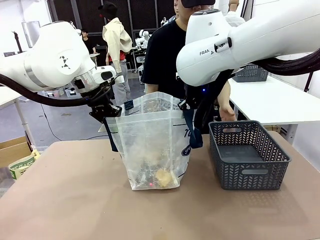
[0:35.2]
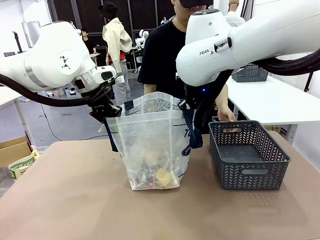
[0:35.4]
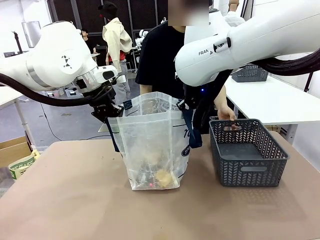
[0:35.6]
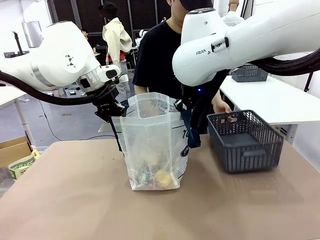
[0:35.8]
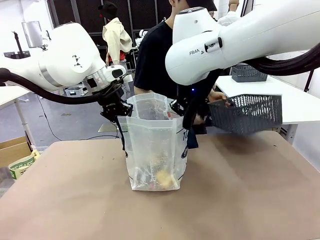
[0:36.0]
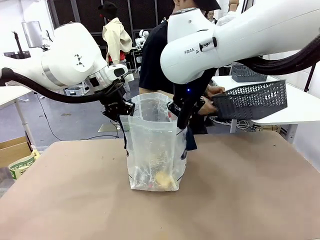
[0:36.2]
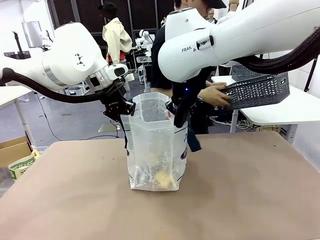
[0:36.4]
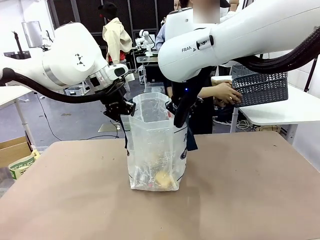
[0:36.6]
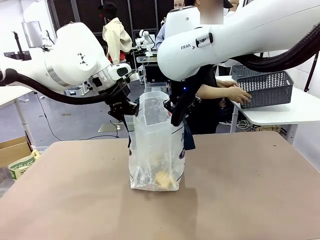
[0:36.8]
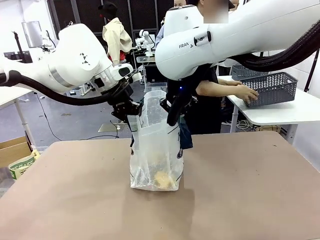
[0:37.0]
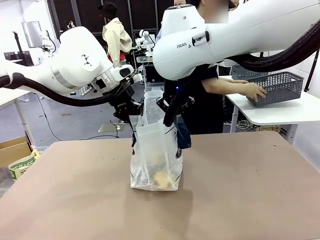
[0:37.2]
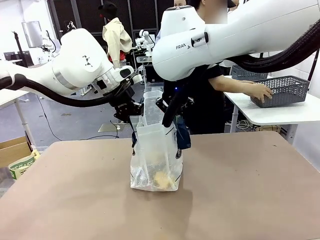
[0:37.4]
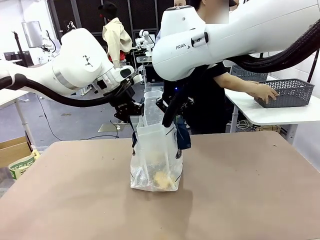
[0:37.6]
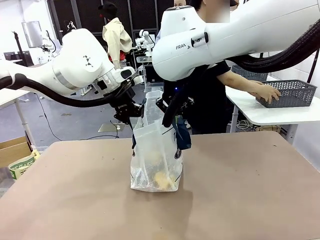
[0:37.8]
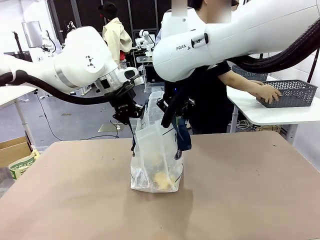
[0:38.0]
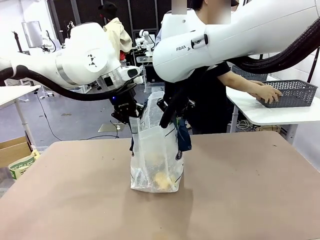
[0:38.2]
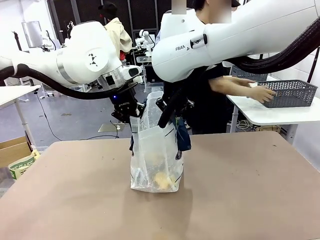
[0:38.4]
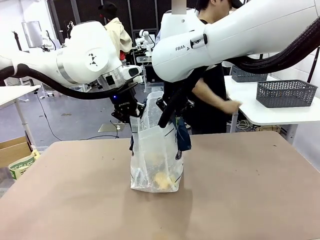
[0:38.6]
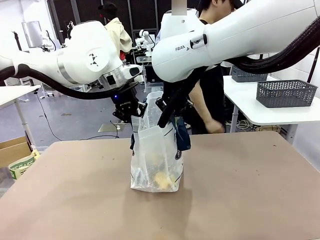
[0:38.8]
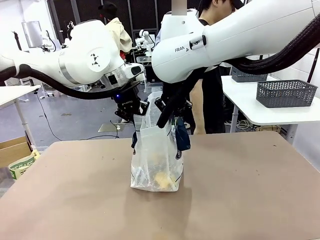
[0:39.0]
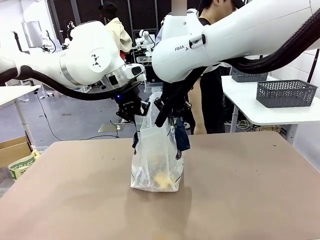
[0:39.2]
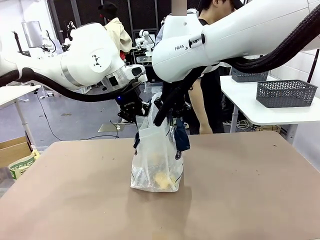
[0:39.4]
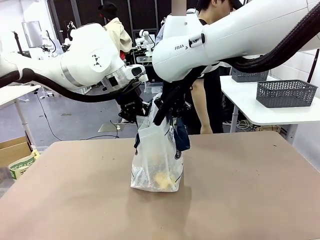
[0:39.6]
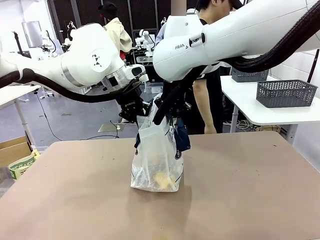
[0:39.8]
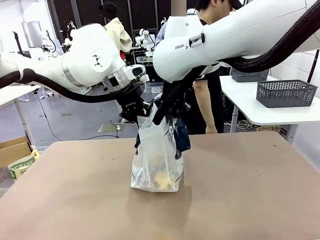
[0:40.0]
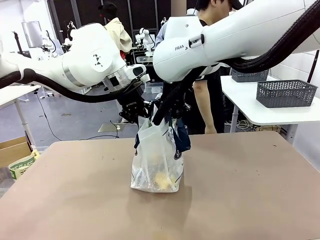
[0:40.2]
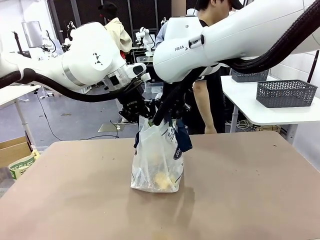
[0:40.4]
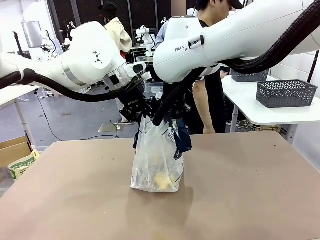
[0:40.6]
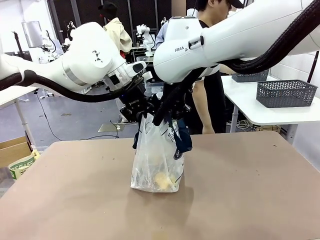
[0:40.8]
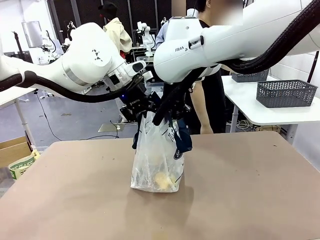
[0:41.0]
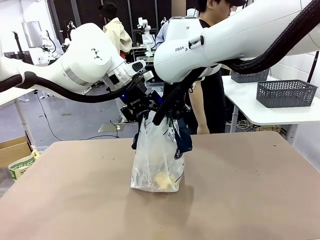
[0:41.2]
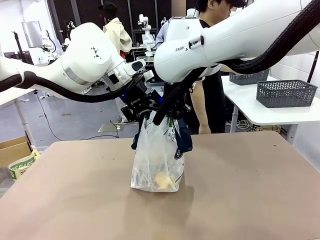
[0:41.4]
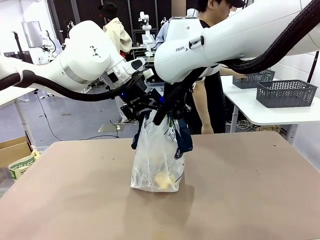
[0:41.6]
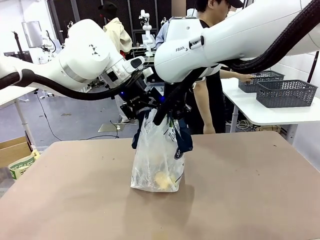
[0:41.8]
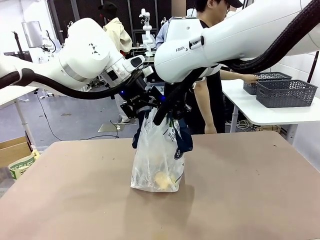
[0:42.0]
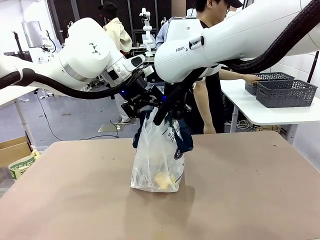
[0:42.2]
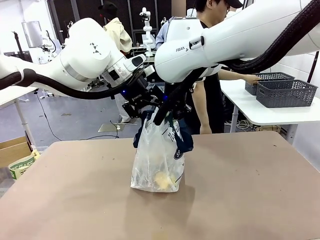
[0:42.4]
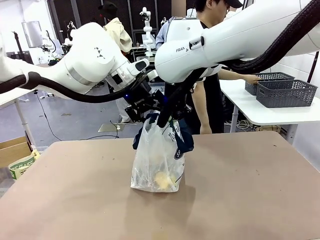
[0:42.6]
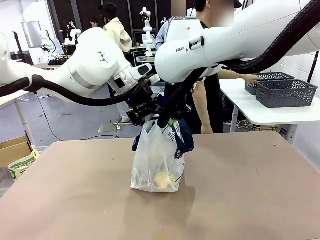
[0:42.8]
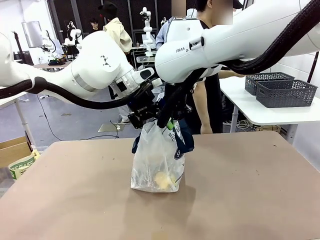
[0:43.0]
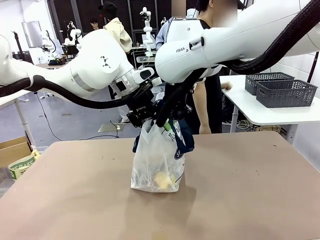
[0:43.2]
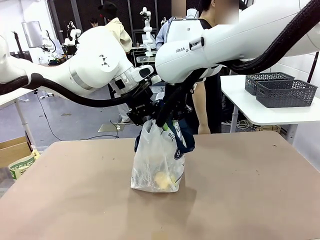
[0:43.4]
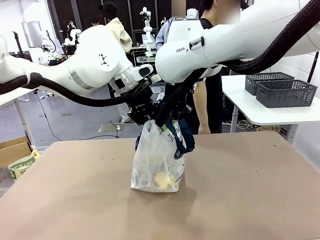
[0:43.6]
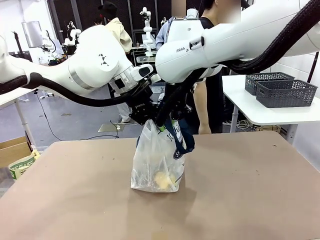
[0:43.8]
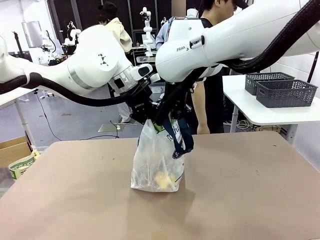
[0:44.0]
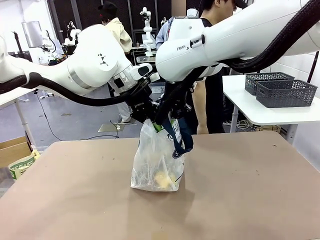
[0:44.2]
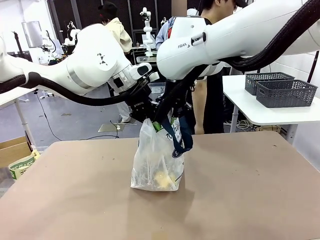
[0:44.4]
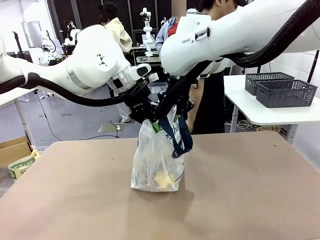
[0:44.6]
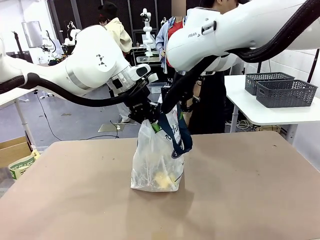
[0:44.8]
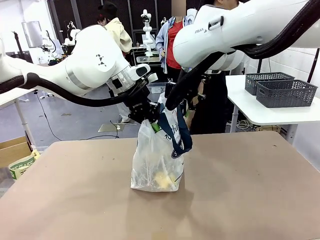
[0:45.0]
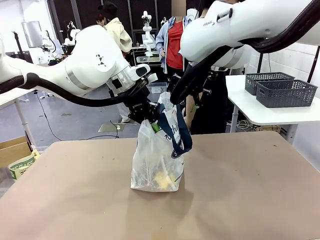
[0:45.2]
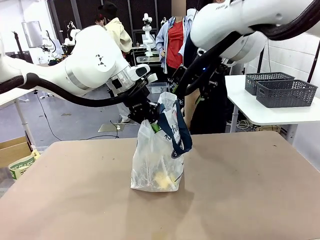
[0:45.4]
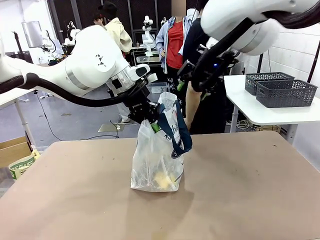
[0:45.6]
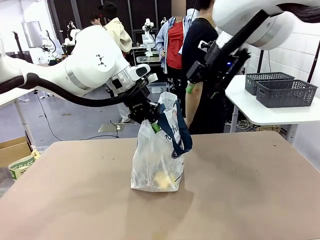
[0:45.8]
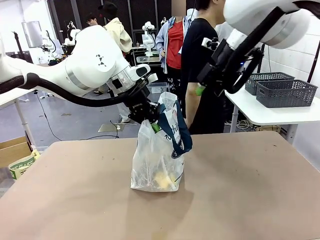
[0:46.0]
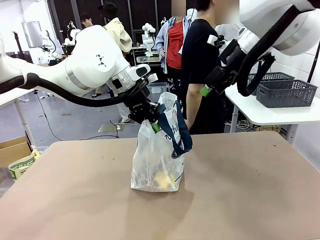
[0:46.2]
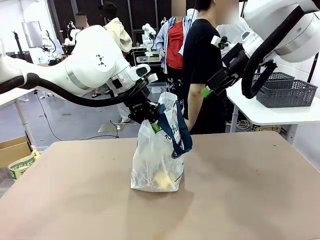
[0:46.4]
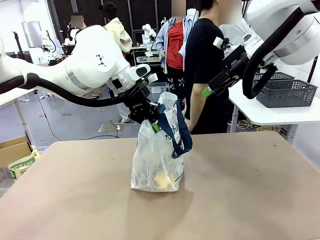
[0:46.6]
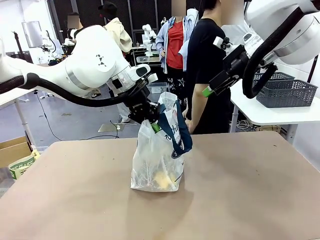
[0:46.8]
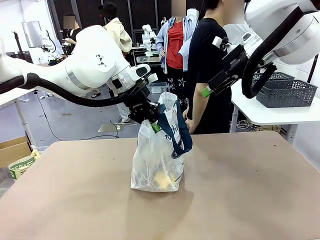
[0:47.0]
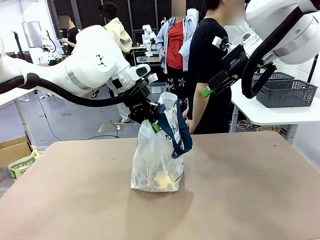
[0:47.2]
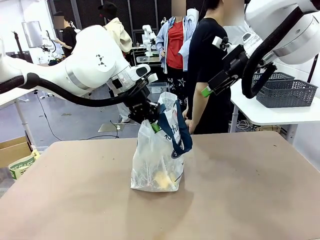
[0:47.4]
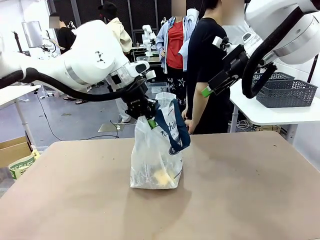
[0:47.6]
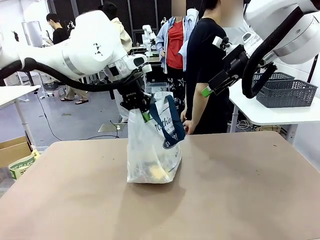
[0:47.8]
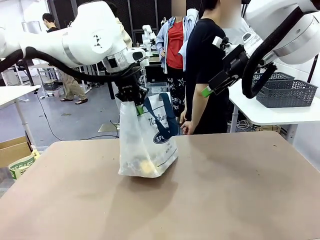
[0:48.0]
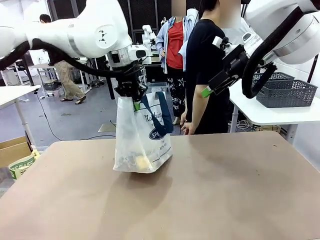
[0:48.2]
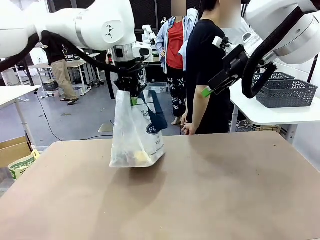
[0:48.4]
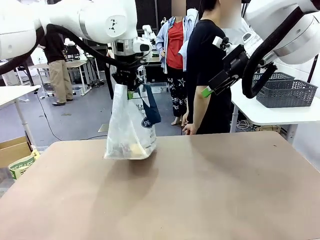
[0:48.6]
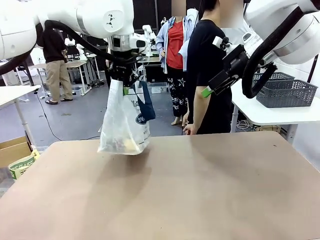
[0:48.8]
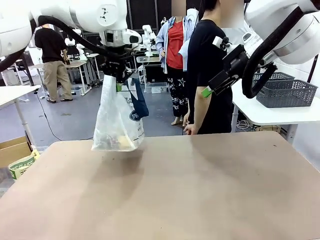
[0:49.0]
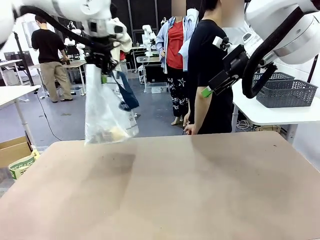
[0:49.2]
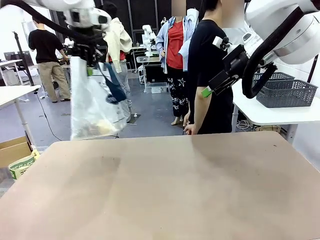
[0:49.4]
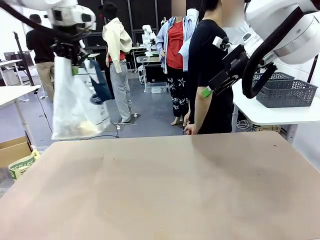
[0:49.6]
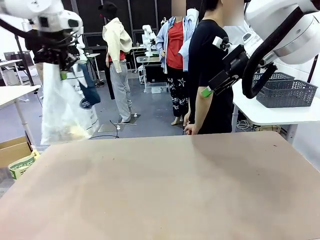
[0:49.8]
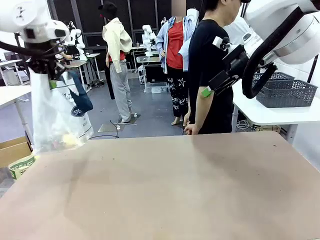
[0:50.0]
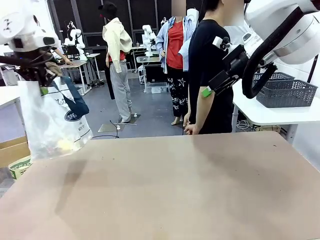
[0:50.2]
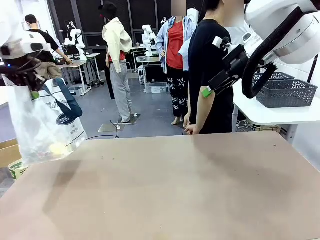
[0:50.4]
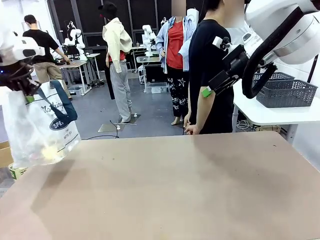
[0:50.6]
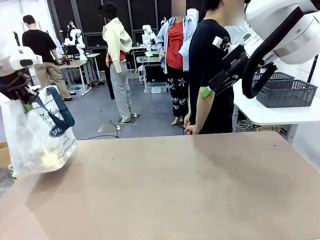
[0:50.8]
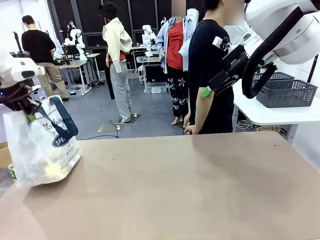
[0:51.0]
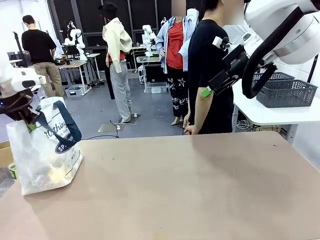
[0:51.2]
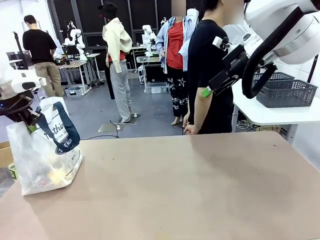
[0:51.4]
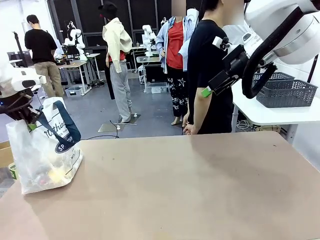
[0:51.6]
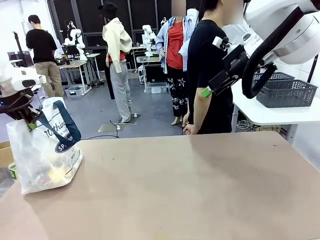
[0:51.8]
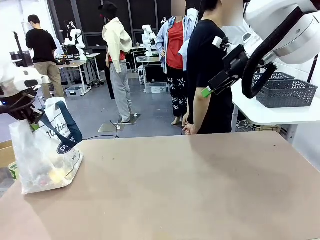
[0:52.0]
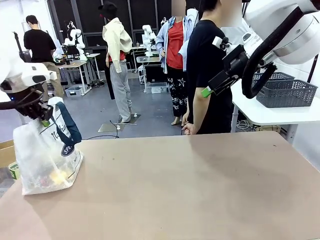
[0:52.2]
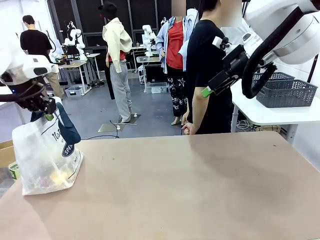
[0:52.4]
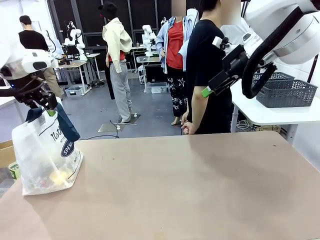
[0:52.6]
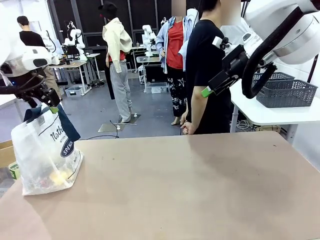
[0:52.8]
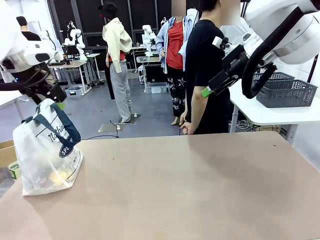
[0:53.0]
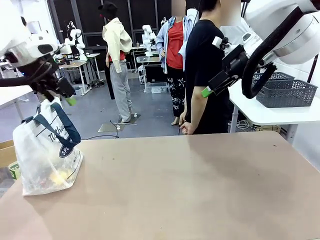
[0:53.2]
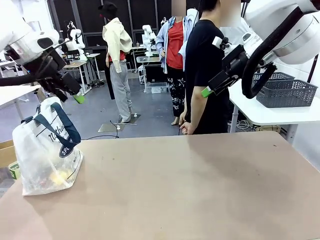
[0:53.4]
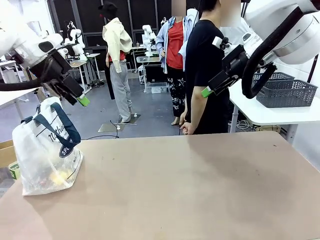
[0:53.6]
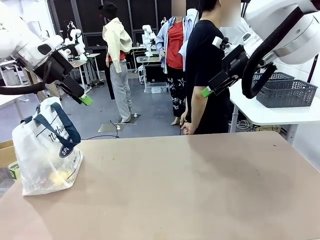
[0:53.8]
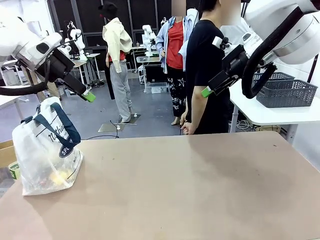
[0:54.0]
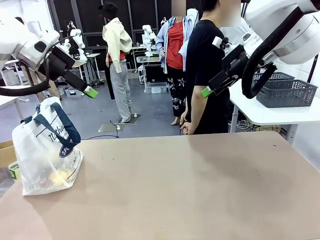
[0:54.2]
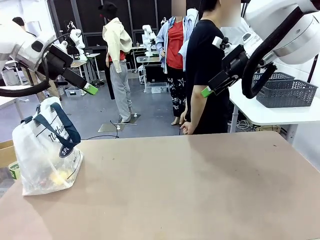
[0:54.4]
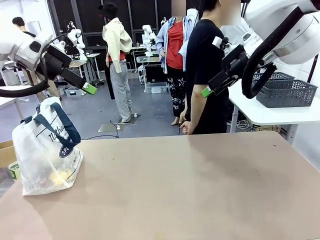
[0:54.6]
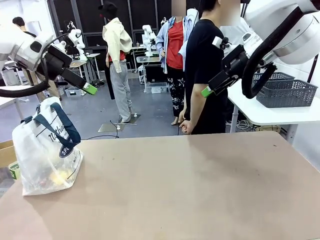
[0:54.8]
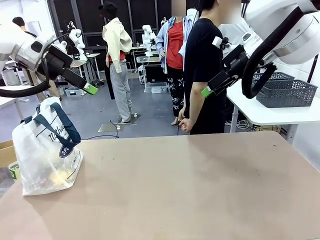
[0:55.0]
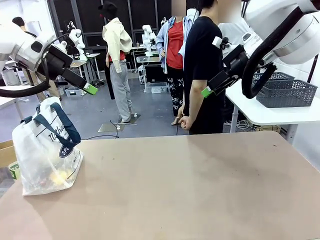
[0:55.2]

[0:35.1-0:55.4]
Task: Transfer purchased items from the store into the shopping bag.
Robot: Move the Reusable shopping bag to the right side of the table.
Person: Pick up the basket with the items out and place it on the right side of the human table. Move the basket on the left to the middle of the person's table.
